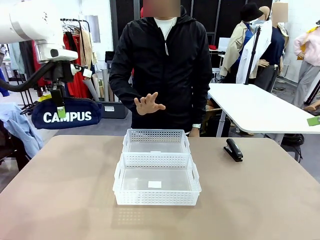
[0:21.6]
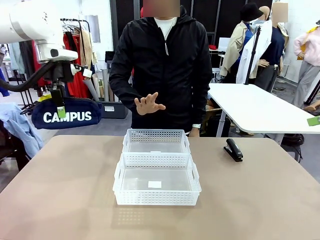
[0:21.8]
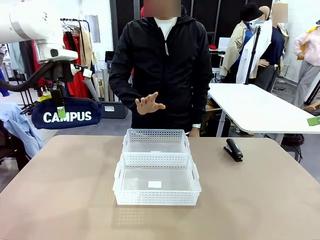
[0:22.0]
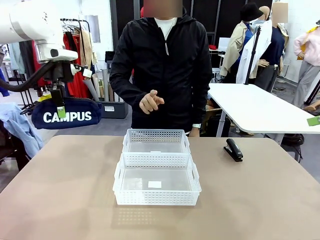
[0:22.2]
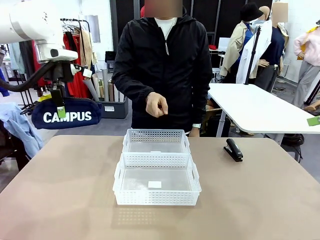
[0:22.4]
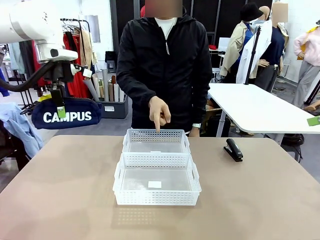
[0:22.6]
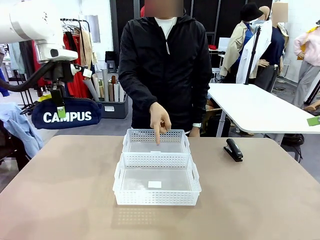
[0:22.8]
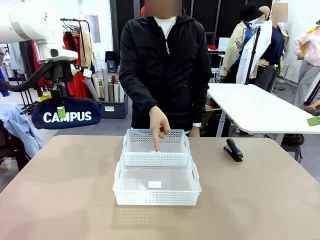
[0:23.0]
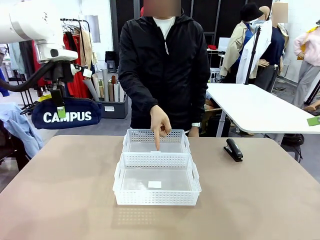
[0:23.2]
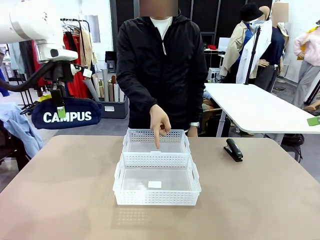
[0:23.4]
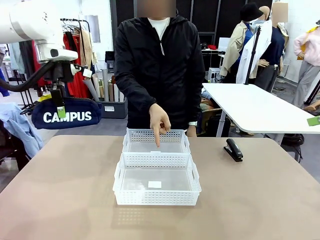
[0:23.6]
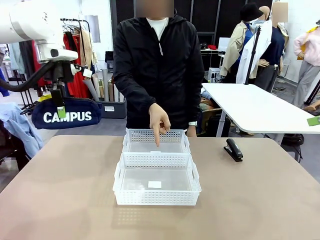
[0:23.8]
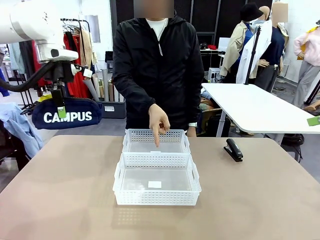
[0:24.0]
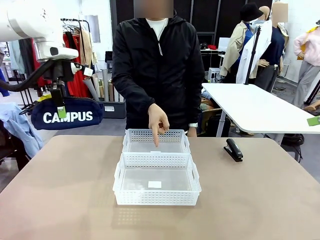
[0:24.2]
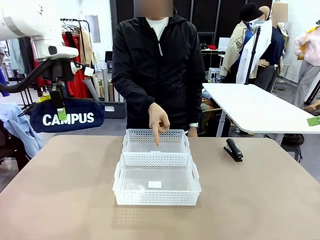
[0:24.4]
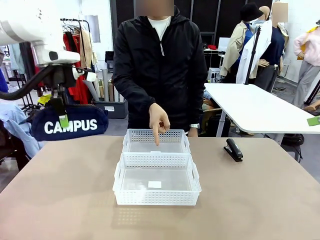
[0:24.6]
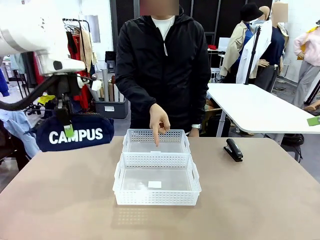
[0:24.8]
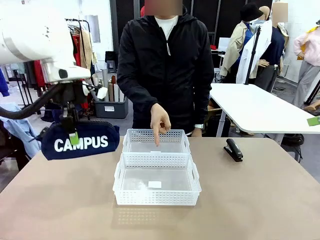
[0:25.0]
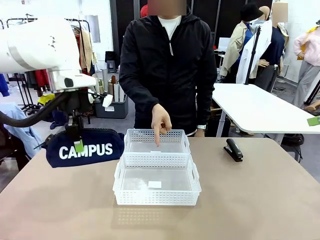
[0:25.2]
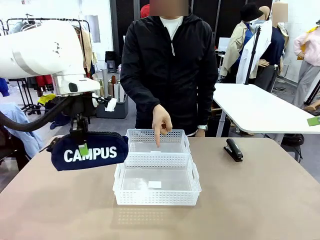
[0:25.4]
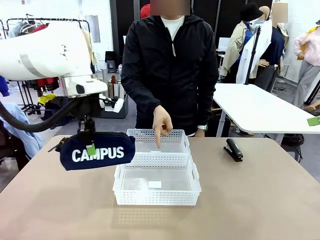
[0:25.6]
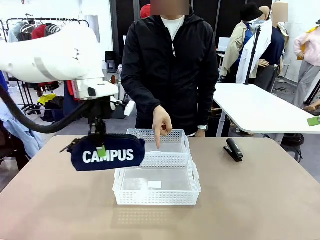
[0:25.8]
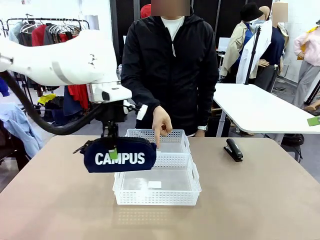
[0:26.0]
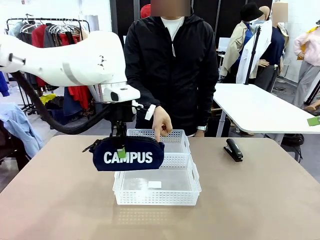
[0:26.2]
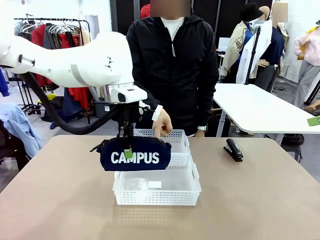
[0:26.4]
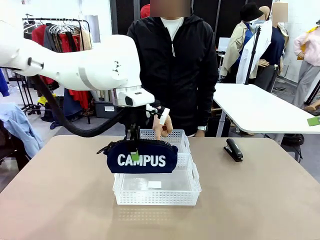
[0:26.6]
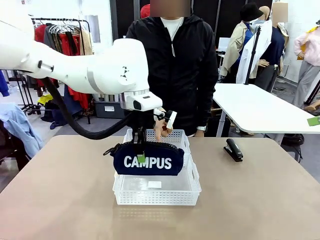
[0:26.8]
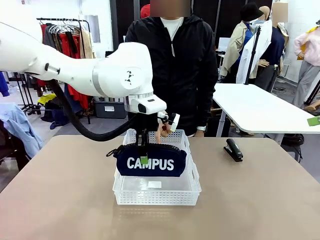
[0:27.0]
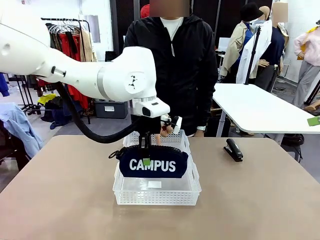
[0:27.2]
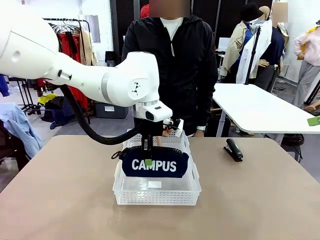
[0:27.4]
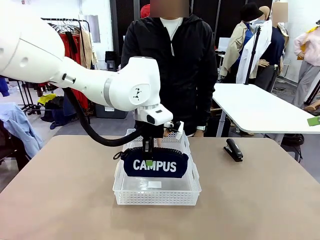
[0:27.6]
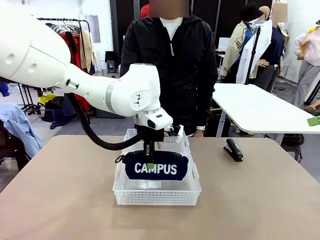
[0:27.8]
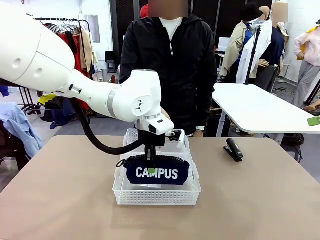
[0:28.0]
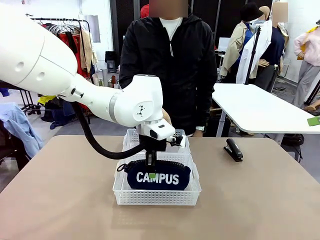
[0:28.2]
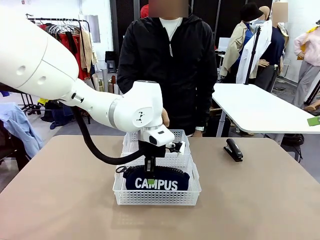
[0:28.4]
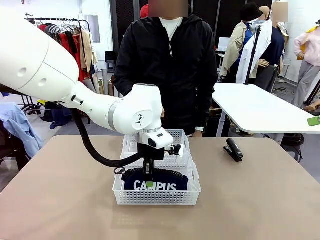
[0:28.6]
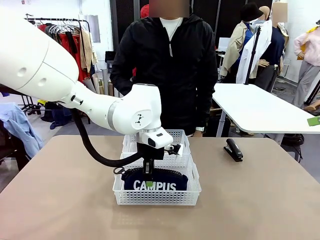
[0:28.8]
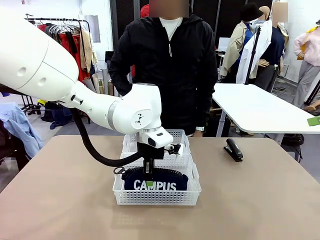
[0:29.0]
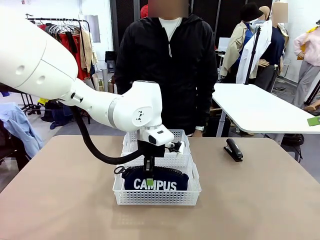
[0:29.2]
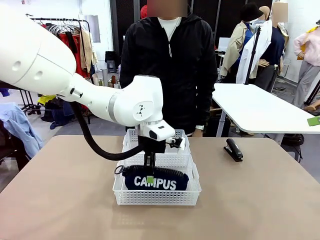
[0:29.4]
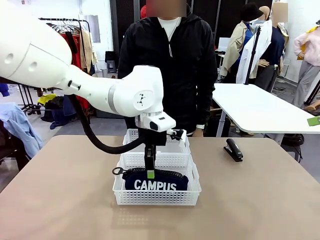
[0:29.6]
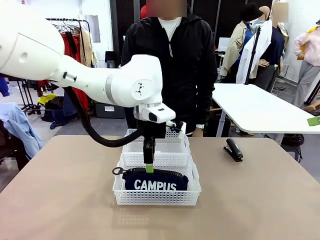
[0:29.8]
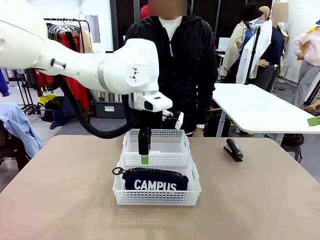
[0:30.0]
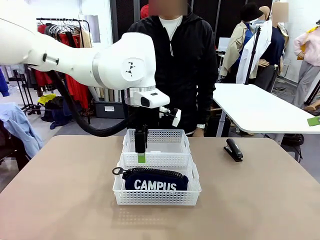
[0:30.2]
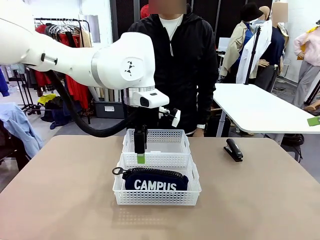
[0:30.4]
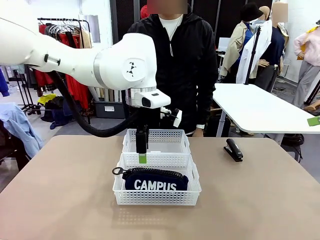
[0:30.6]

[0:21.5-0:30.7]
Task: Distribute items into two baskets.
Robot: Place the picked Pencil pouch into the Organizing basket as instructed by the person.
Person: Instructs the robot to place the pencil case into the opposite basket. Points to the stapler.

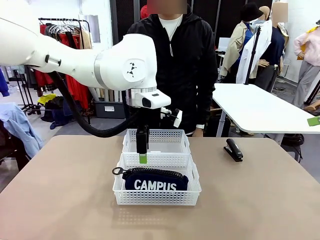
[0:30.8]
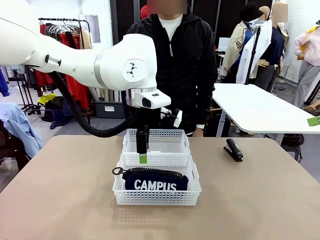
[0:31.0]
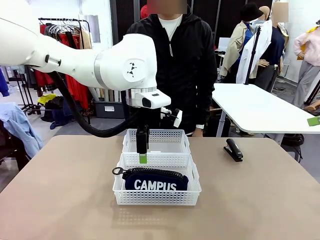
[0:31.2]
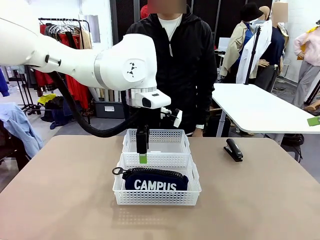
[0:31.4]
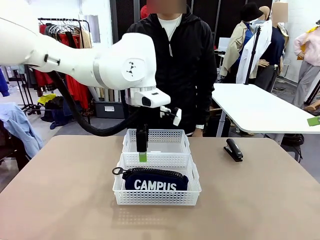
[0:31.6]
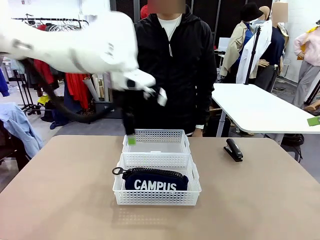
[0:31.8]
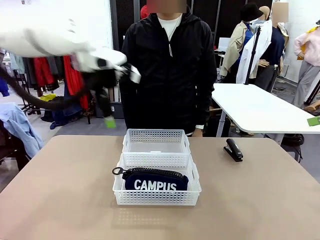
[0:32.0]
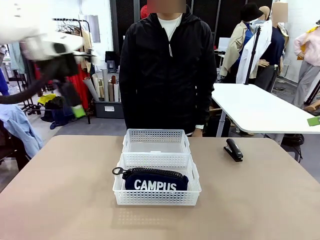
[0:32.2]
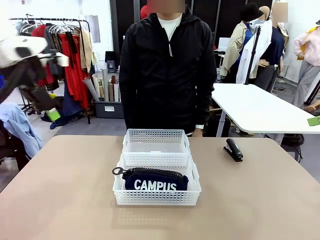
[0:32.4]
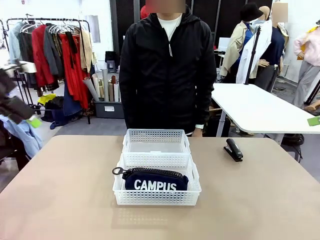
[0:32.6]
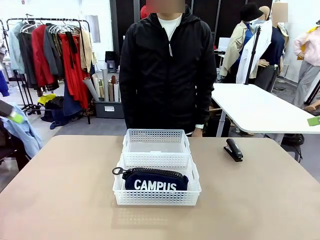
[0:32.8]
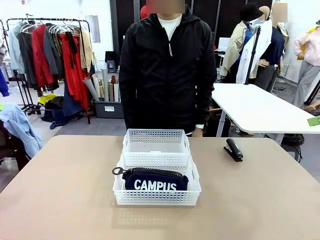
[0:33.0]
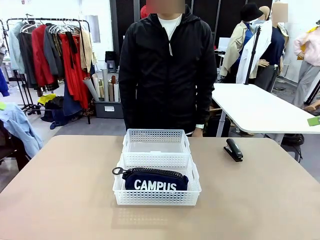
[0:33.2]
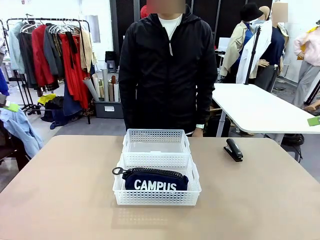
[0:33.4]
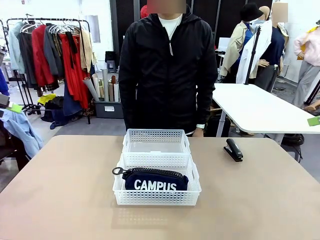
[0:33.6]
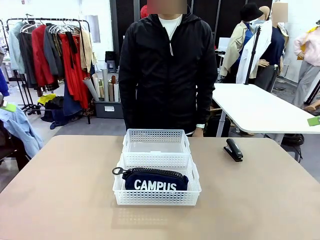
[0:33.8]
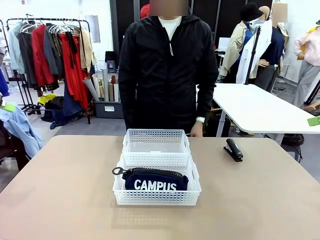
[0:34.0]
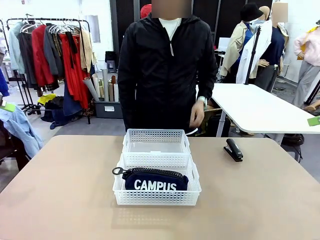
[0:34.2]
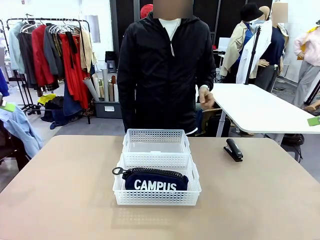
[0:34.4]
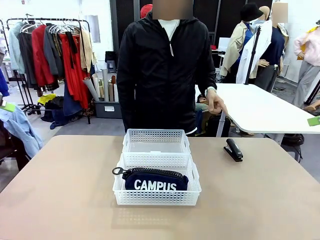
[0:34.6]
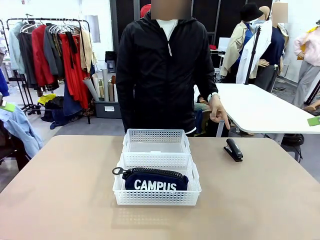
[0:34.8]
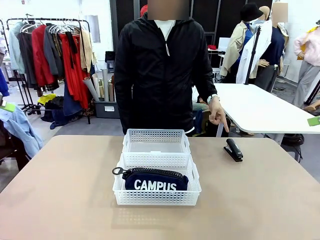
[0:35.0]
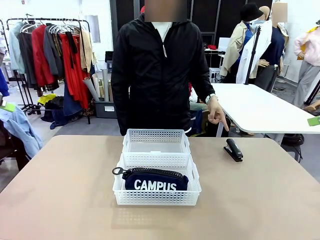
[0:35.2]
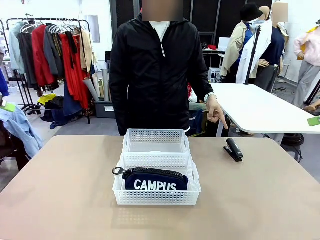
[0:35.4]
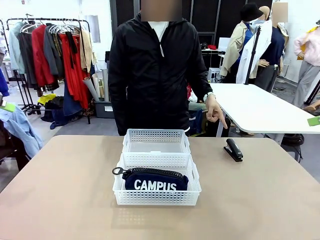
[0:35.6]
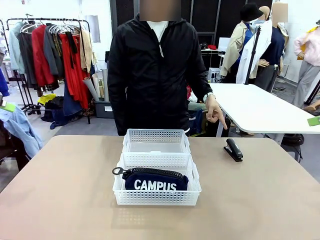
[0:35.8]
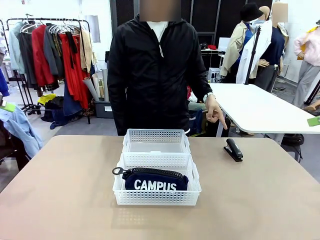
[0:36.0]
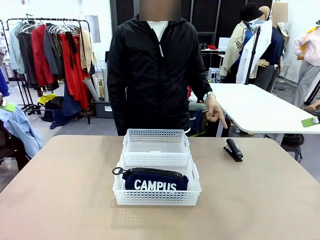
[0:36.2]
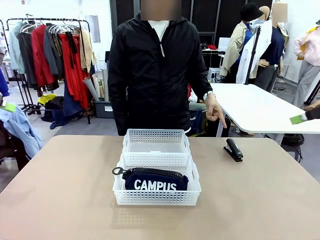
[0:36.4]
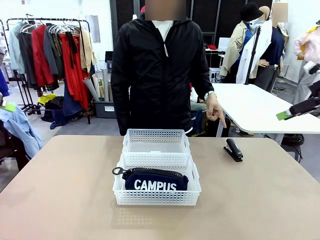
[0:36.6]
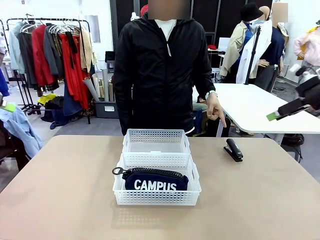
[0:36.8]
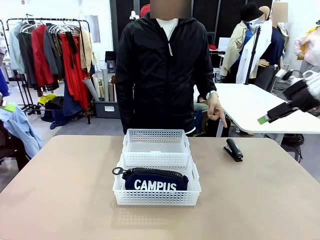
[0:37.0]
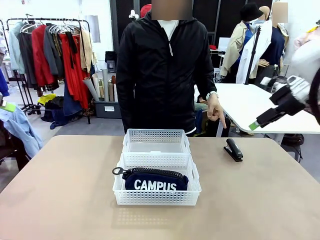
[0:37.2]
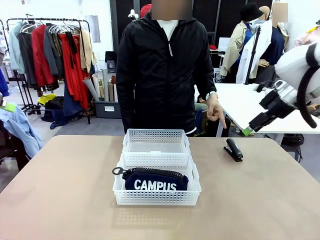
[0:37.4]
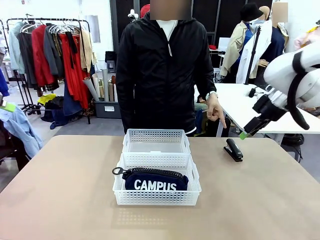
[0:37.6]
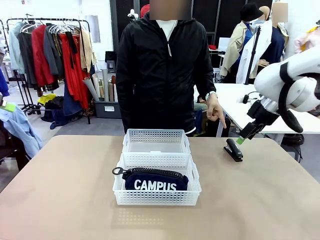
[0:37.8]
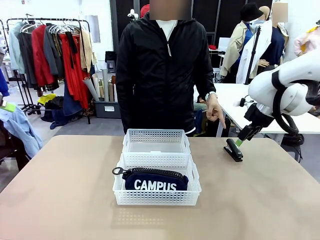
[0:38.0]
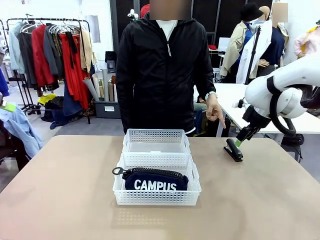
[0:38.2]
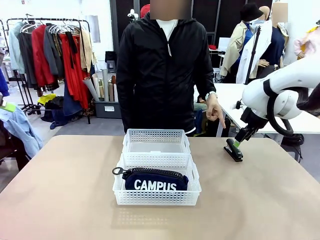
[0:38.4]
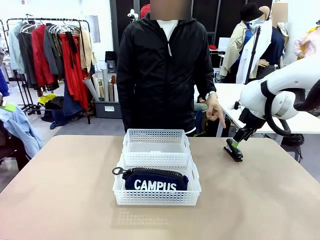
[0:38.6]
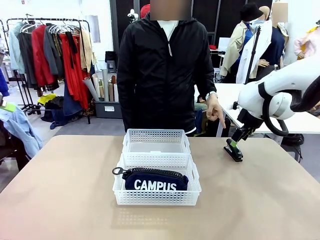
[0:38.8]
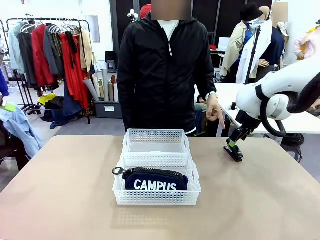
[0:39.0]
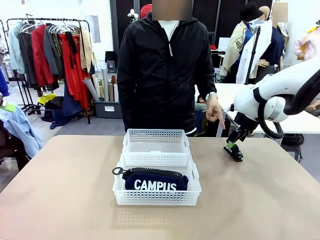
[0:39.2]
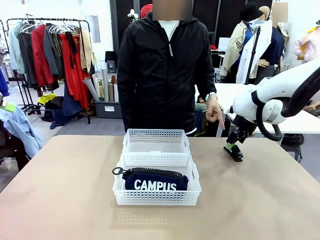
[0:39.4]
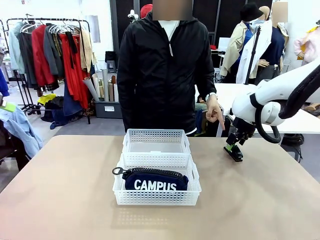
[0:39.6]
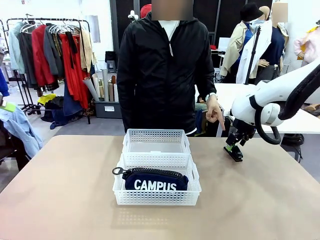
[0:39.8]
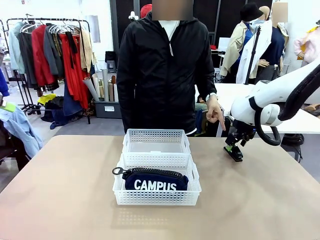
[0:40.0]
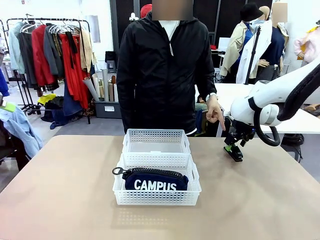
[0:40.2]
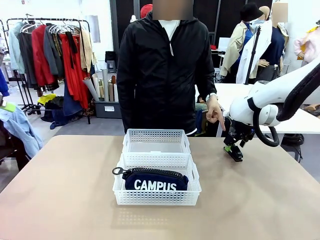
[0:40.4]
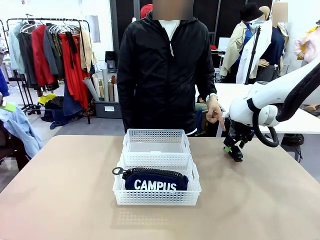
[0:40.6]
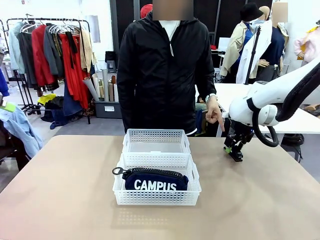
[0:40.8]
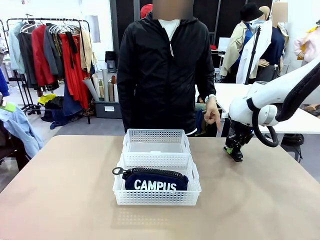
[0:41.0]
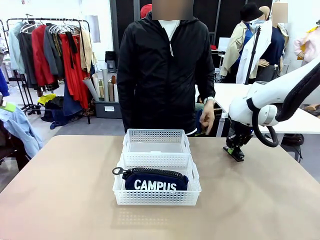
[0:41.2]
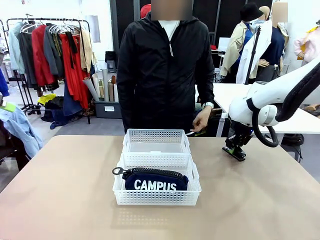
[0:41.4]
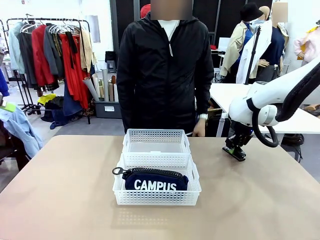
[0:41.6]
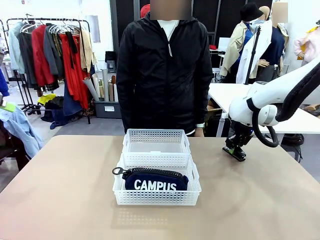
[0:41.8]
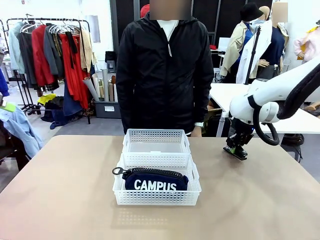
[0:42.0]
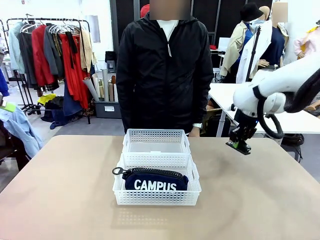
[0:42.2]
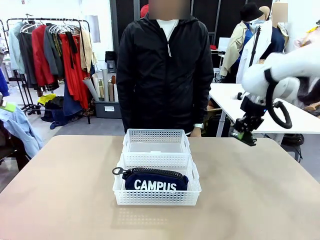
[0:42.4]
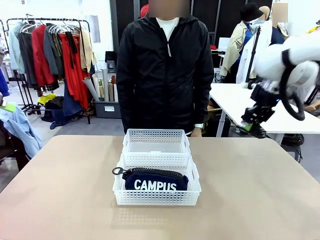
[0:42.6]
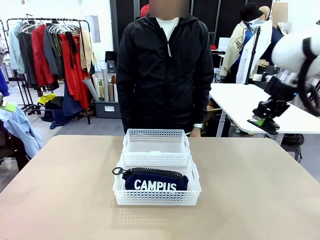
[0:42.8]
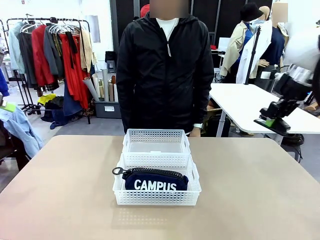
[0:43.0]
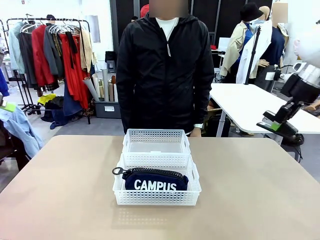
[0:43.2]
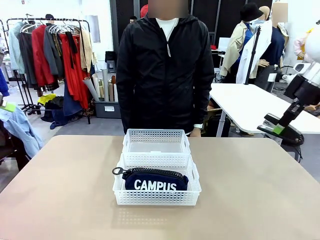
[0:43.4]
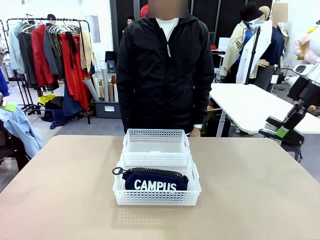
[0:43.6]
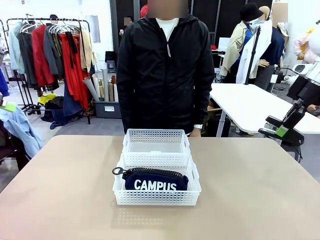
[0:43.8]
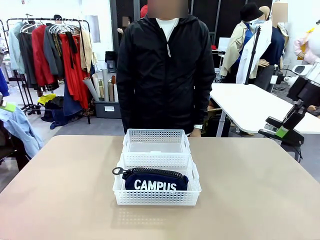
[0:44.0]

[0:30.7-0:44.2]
Robot: Pick up the Stapler that the person points to.
